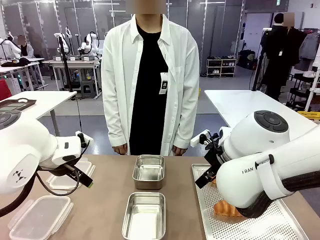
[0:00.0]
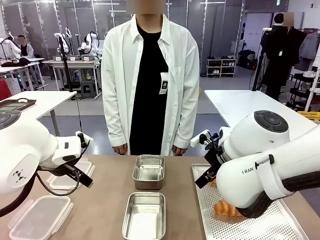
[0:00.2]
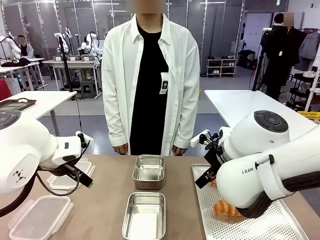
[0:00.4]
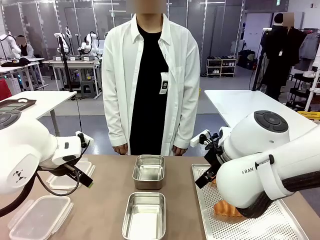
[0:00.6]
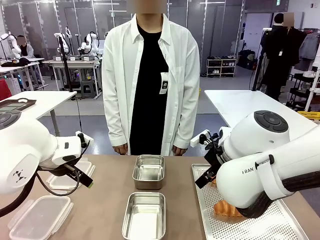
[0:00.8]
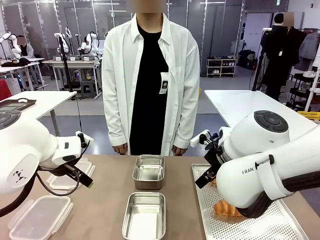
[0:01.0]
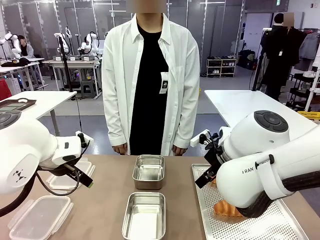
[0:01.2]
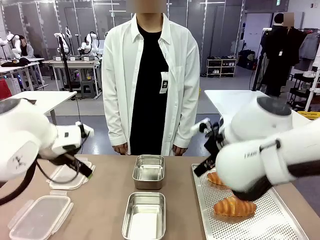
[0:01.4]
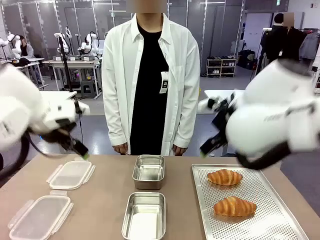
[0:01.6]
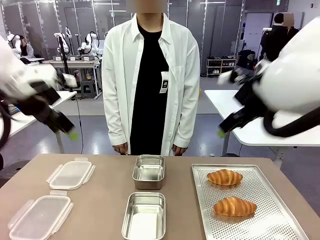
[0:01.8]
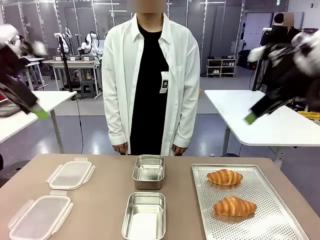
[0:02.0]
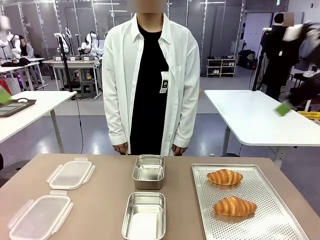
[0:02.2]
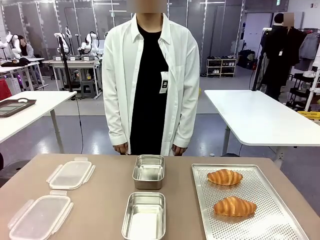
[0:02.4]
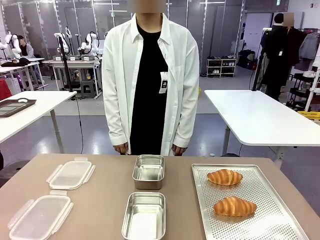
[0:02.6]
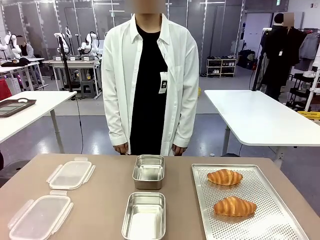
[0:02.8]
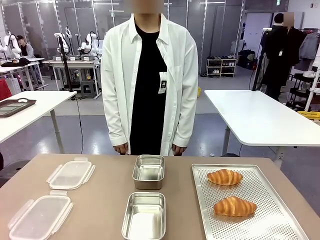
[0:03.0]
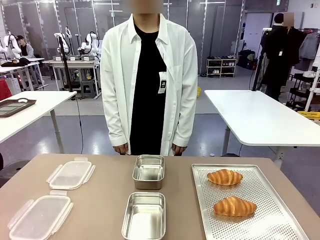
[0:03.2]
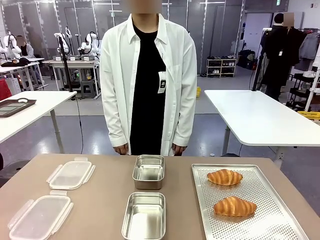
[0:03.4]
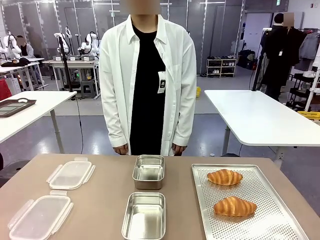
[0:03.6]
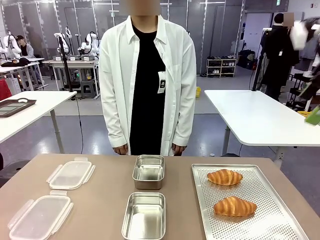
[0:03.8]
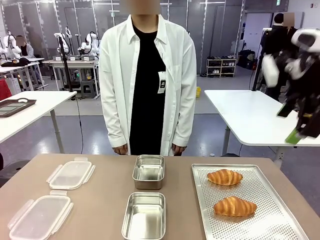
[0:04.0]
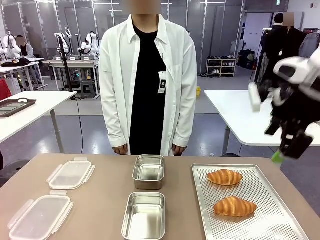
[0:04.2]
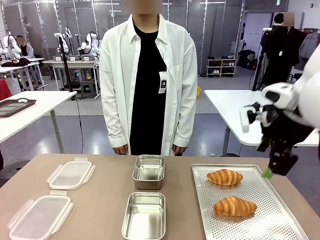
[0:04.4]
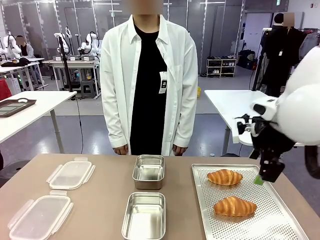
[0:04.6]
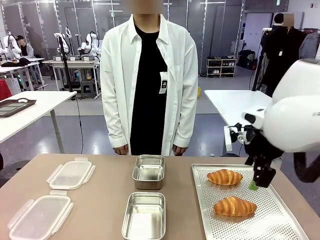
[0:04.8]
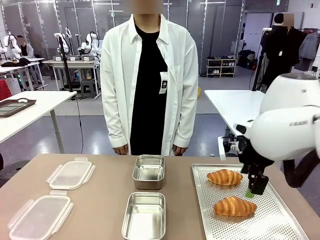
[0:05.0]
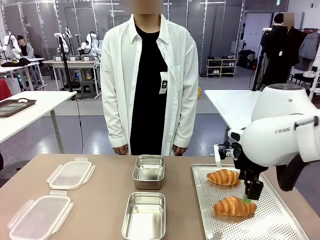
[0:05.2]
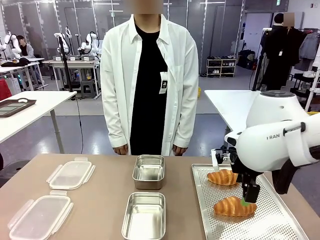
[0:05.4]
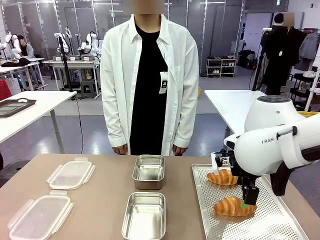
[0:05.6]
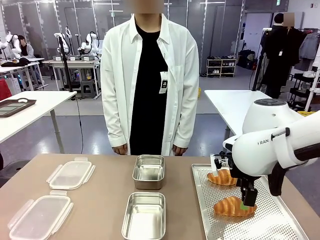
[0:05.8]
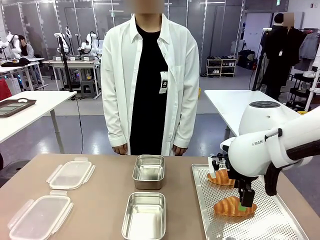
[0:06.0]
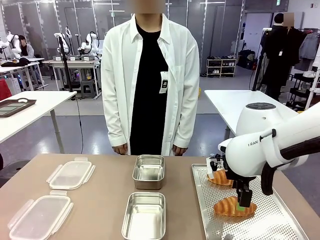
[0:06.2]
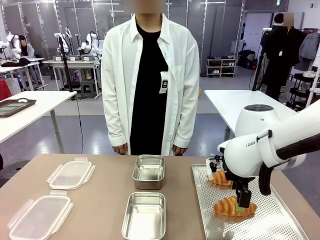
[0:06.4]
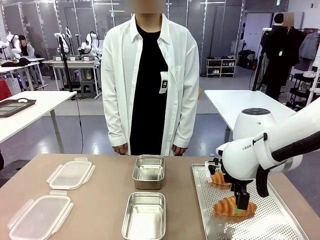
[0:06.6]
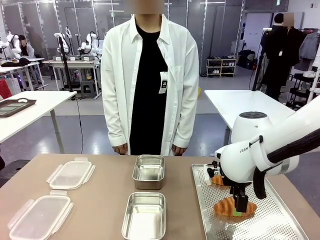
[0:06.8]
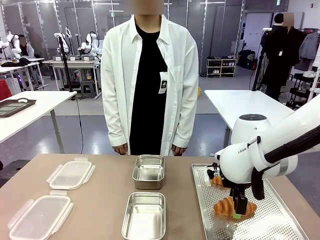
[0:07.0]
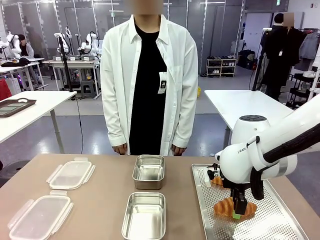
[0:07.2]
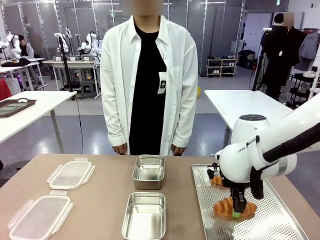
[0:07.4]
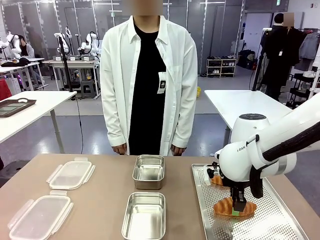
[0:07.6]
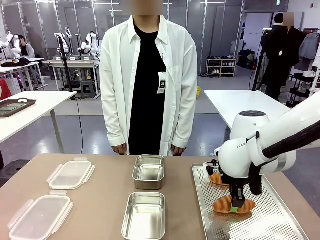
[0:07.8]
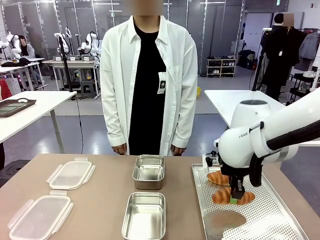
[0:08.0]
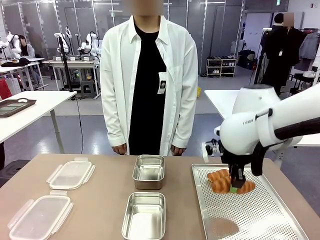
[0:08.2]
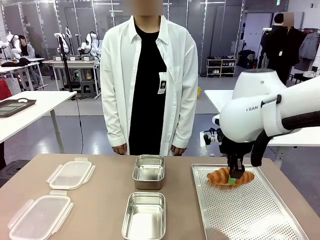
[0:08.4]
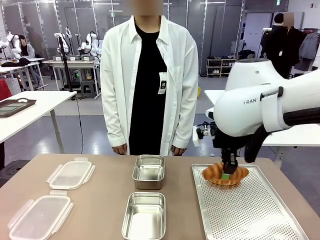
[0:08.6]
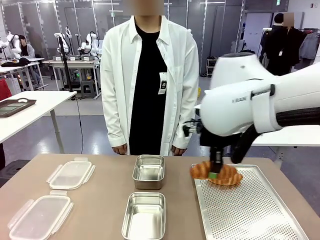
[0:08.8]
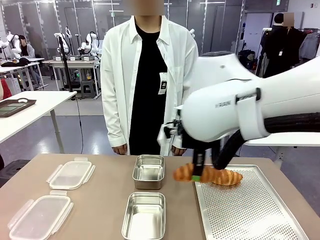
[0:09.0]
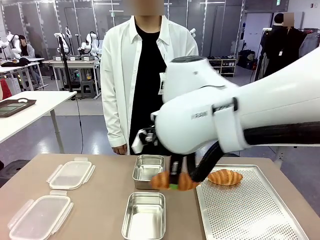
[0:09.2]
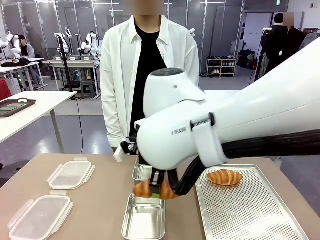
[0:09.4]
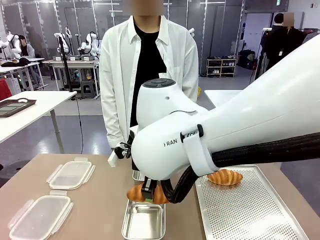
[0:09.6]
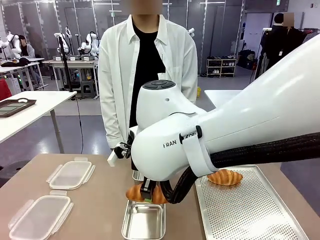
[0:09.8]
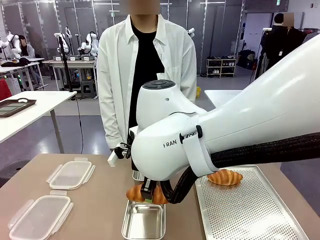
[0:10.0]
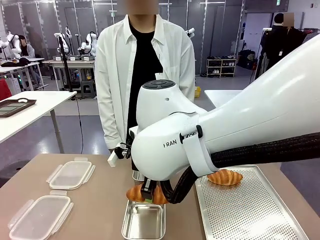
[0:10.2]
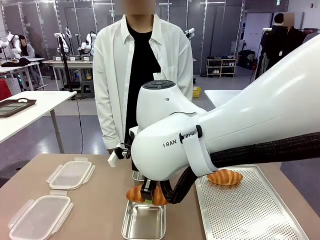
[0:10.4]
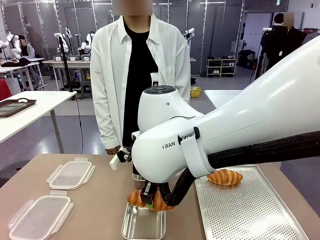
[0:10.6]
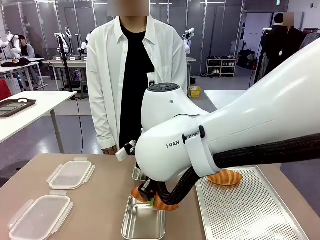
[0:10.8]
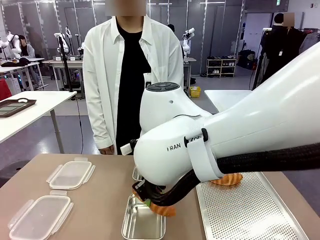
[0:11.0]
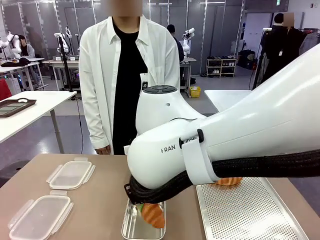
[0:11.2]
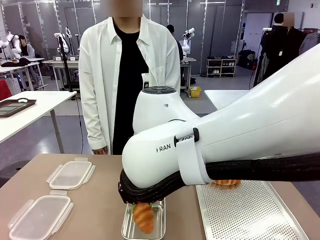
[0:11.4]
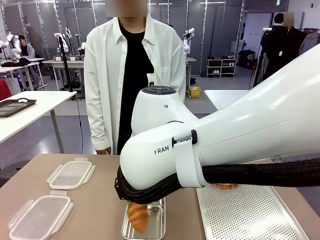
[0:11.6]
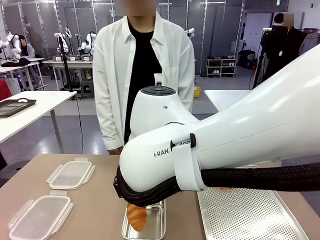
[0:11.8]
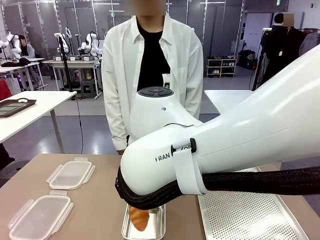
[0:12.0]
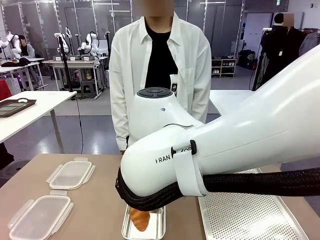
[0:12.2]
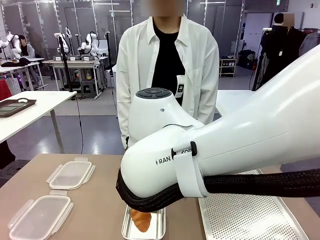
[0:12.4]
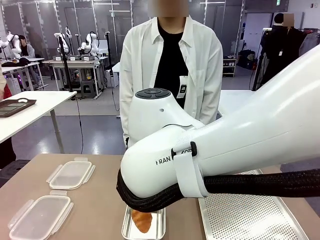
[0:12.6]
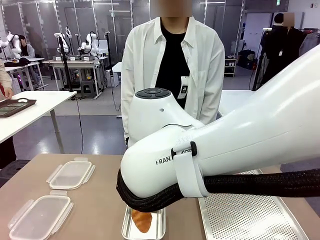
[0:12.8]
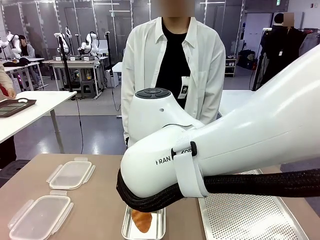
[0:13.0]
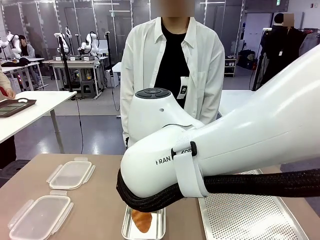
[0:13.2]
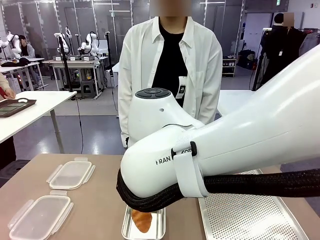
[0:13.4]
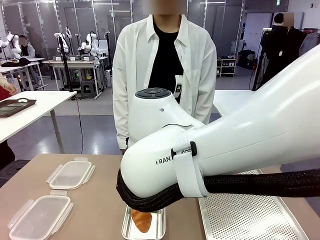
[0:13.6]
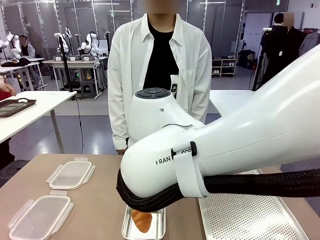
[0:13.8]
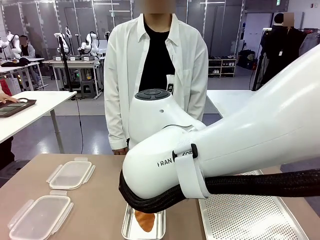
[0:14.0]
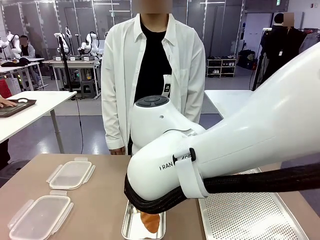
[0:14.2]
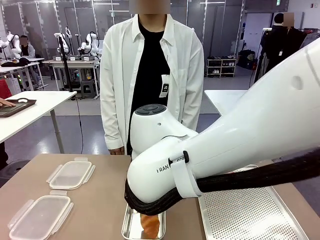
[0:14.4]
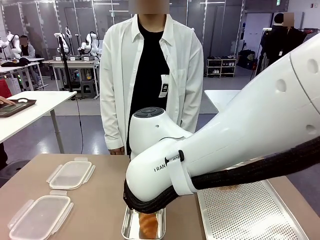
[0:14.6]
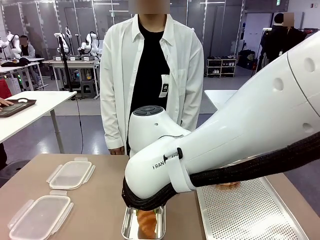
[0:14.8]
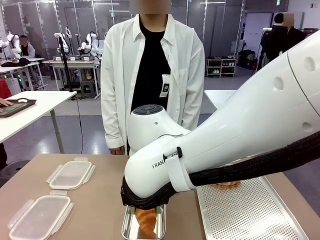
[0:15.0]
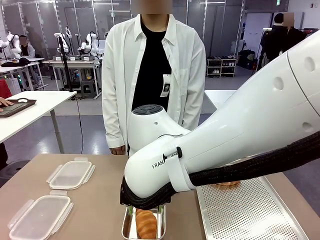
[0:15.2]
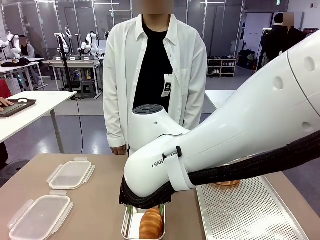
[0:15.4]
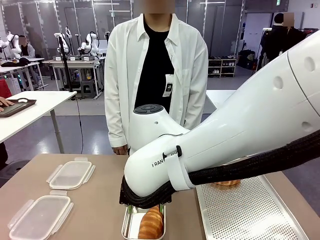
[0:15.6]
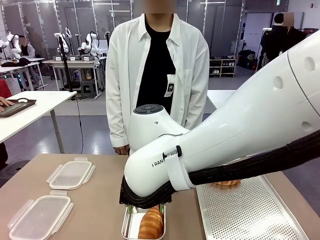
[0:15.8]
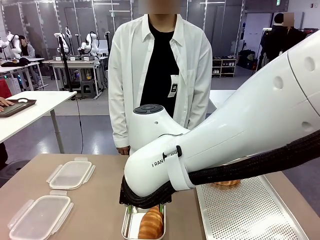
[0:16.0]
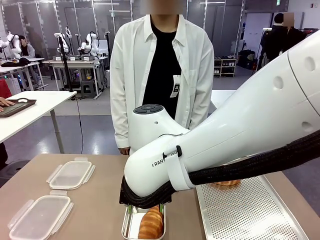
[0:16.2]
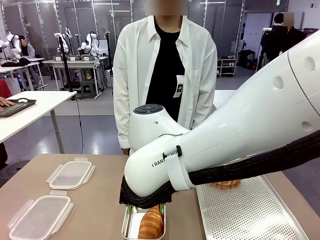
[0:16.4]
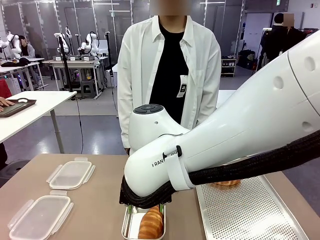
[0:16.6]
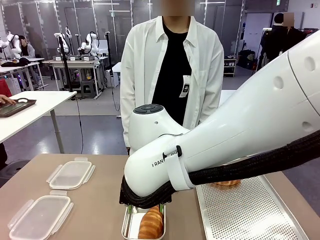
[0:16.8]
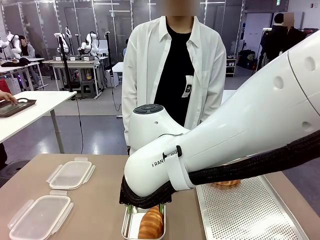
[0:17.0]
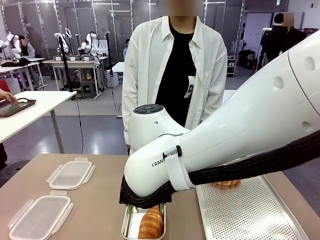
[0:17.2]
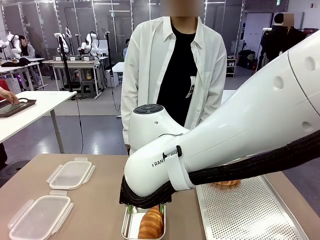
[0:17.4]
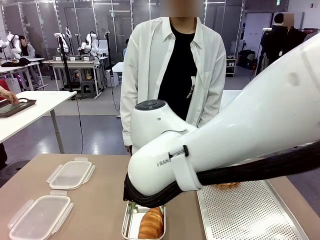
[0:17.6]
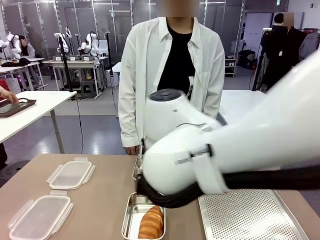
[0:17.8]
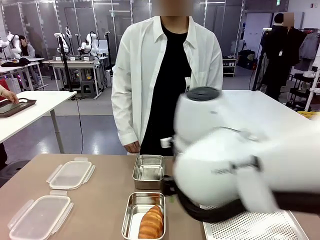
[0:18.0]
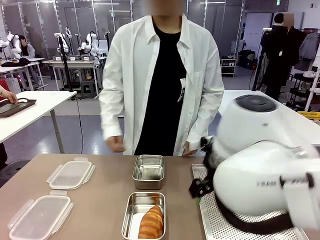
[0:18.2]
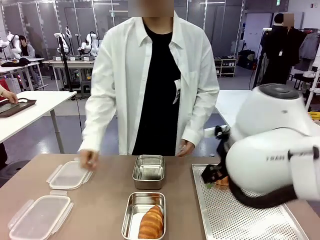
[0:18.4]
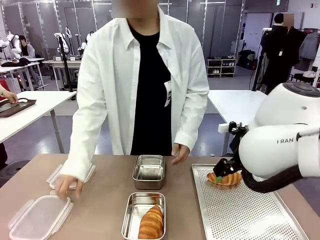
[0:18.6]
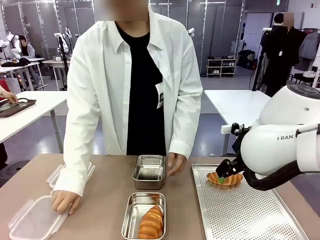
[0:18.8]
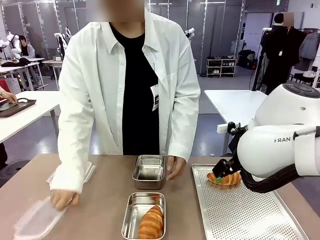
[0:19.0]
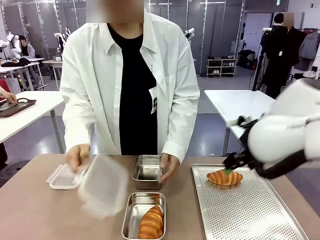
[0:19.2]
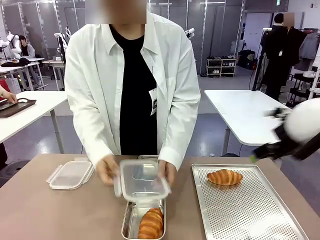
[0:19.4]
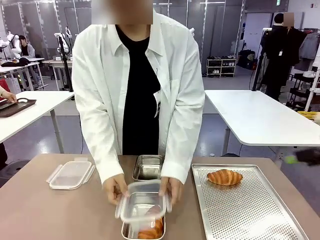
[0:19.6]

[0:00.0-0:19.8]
Task: Place the bread into the airtight container.
Robot: Pick up a Butter Roll and place it into an empty Airtight Container.
